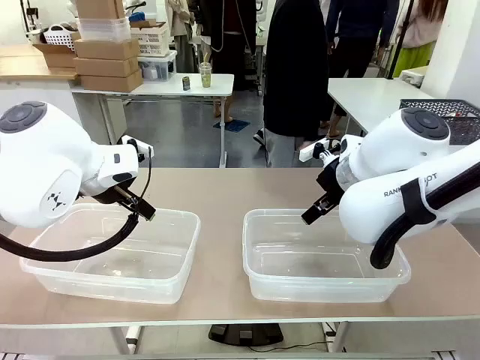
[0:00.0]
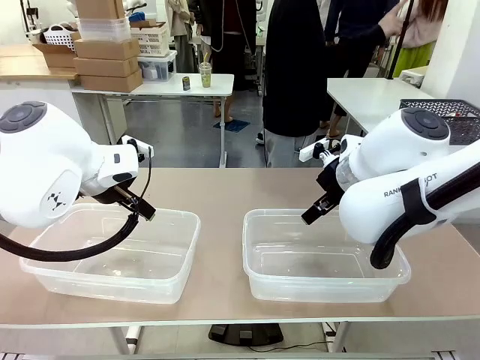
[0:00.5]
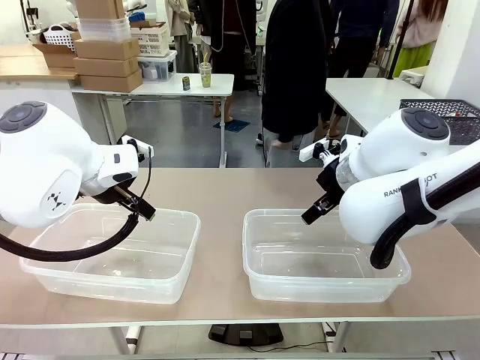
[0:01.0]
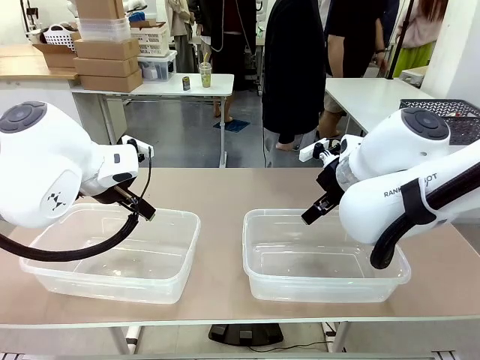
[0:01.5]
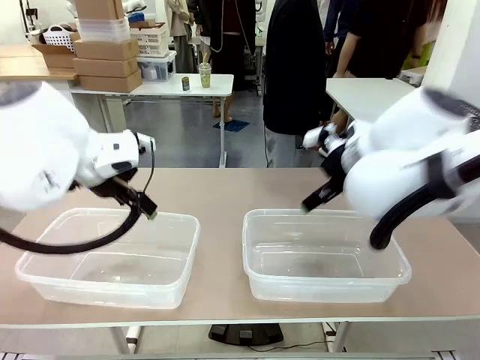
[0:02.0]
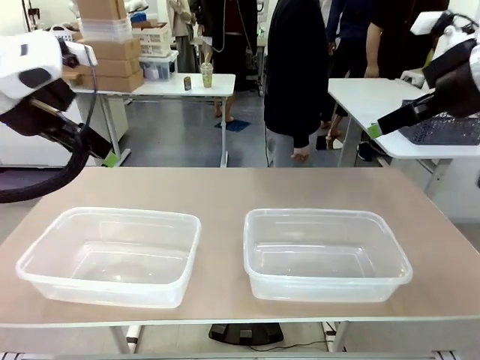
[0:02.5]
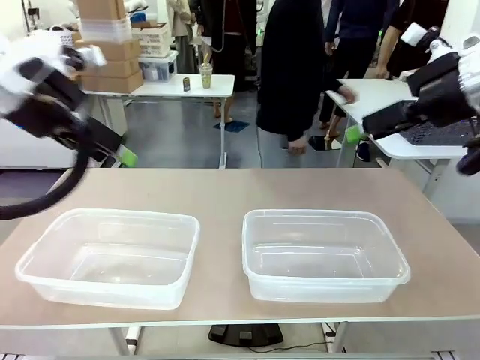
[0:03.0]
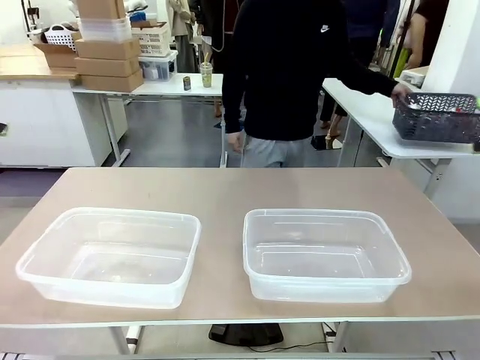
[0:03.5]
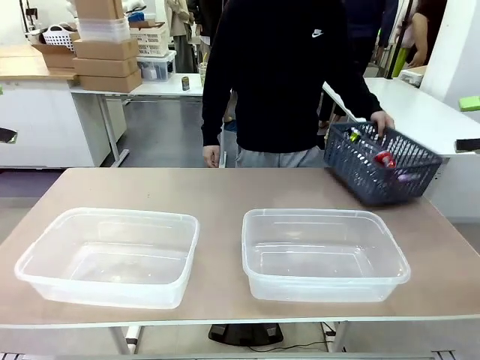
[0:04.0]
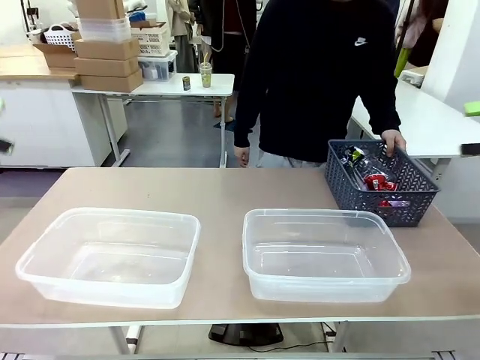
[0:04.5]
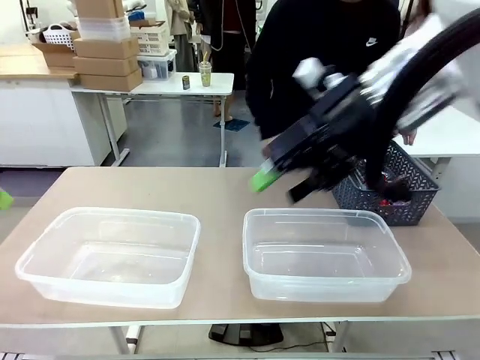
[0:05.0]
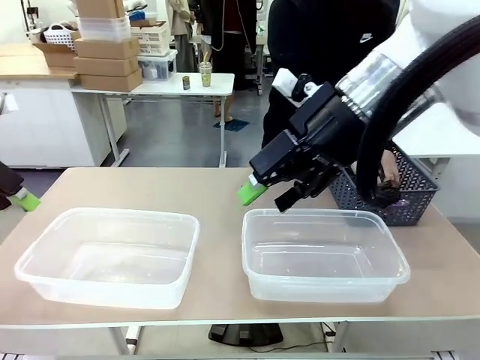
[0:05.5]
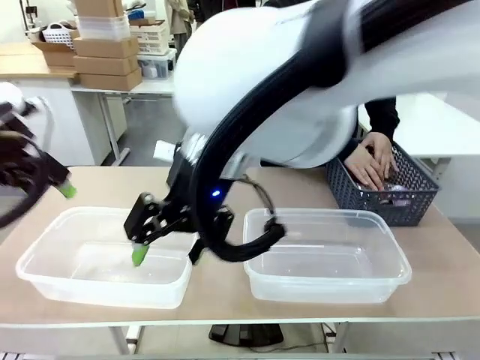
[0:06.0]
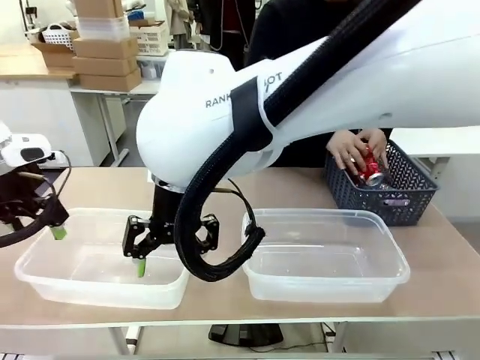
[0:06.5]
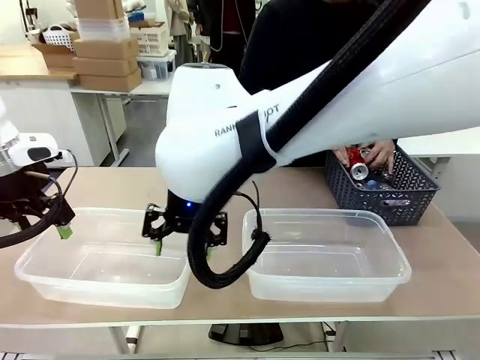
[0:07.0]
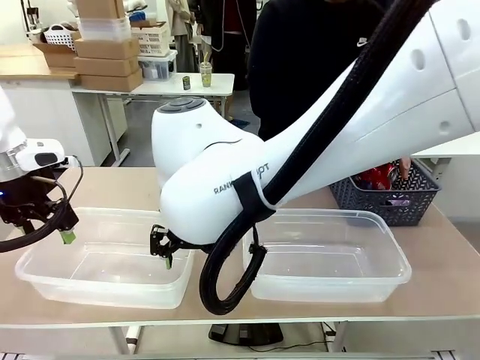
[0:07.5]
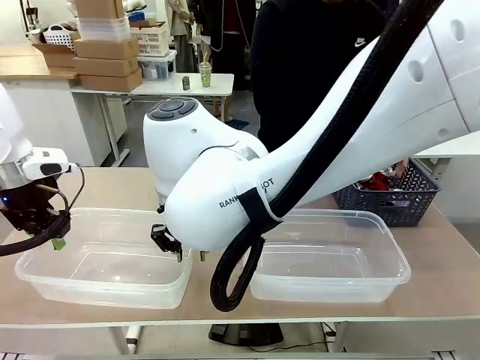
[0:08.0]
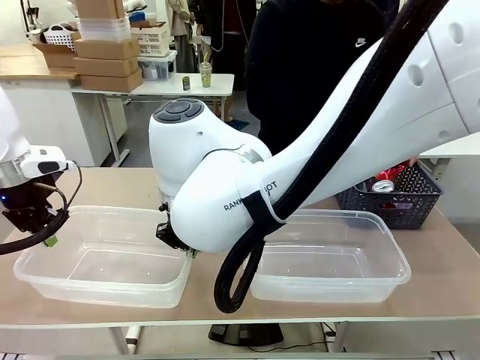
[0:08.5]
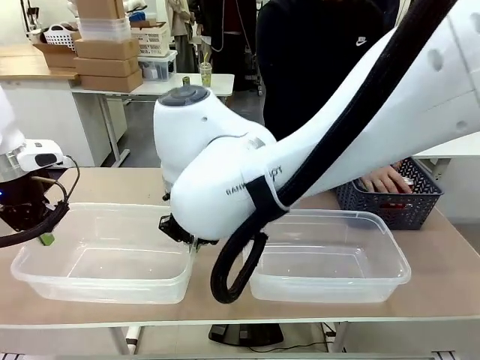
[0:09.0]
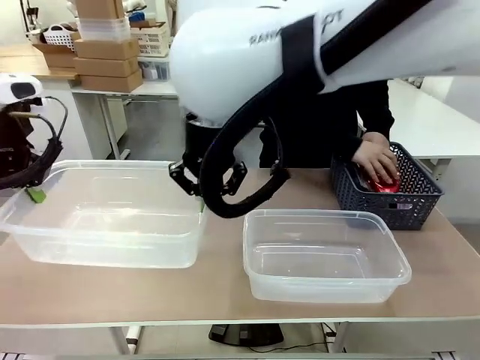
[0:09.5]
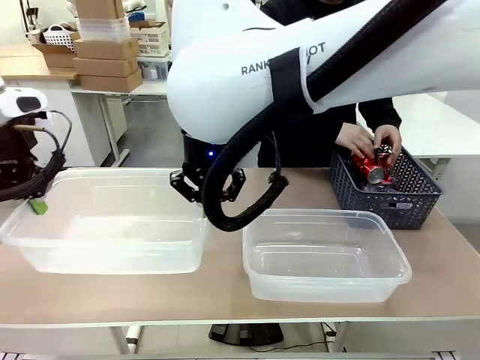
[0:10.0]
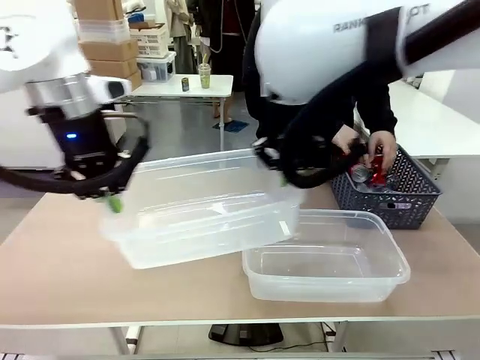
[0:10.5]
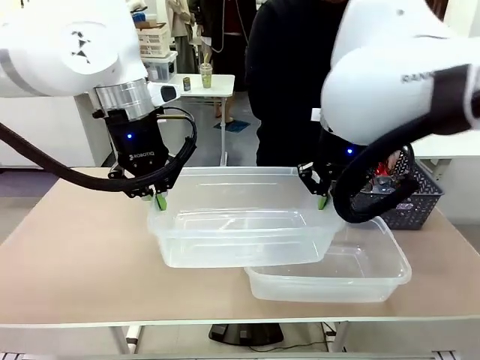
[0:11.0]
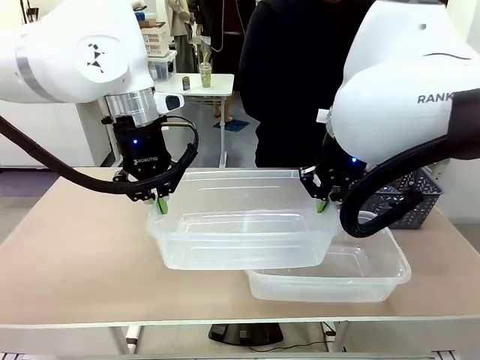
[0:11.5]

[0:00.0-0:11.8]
Robot: Pick up the Organizing box on the left side of the table and lift it.
Person: Pick up the storage basket and place it on the left side of the robot table. Pick up can-shaped waste one by one and place it into the organizing box lifted by the robot.

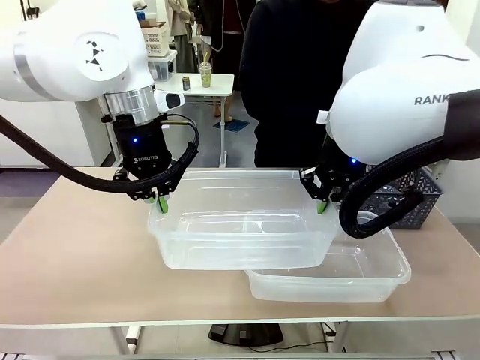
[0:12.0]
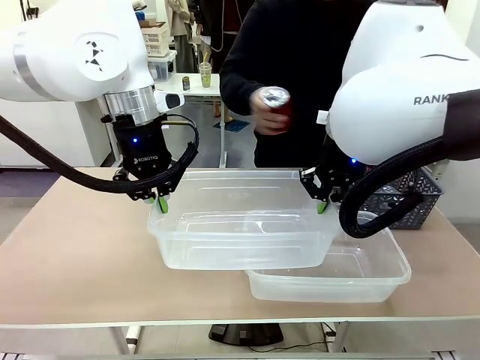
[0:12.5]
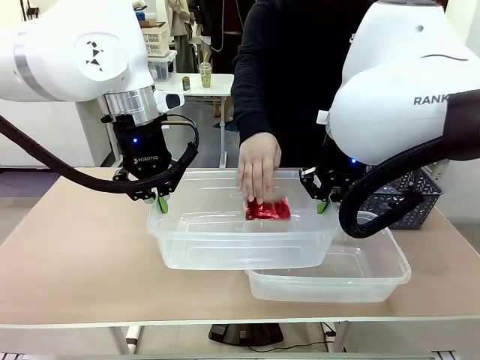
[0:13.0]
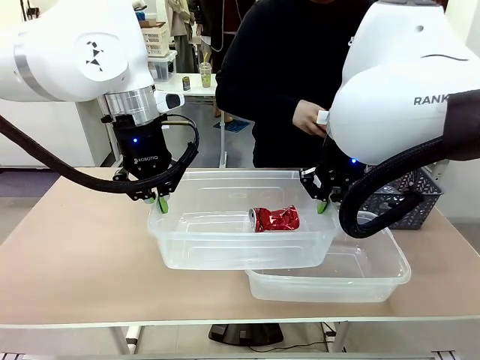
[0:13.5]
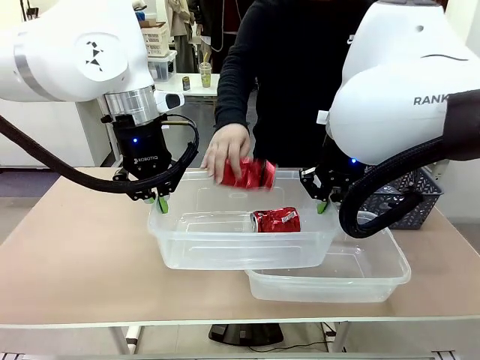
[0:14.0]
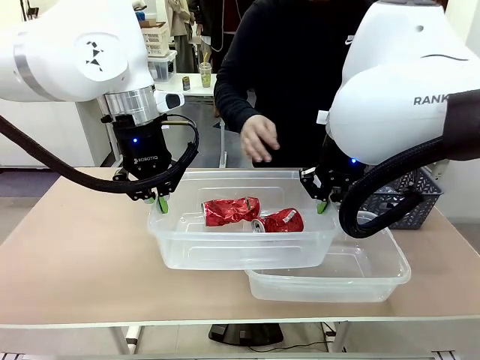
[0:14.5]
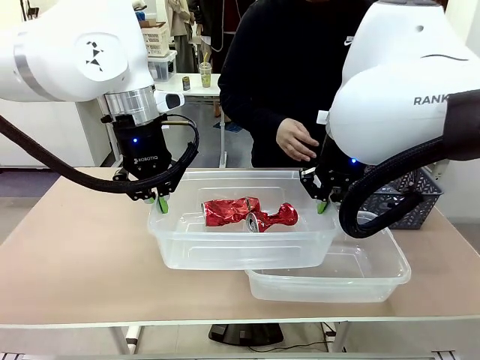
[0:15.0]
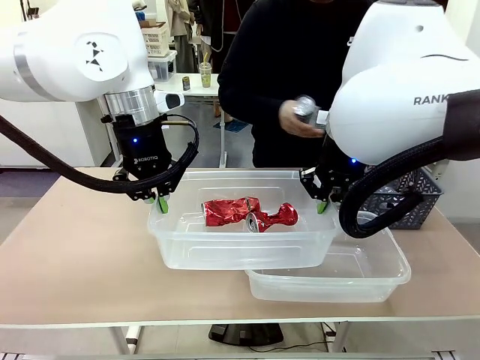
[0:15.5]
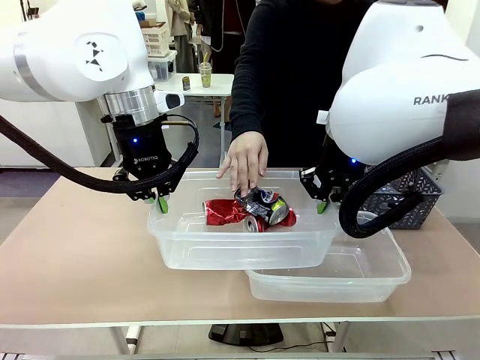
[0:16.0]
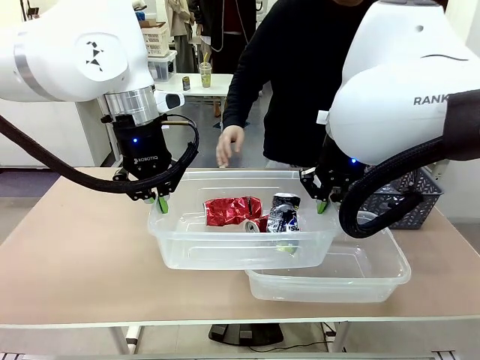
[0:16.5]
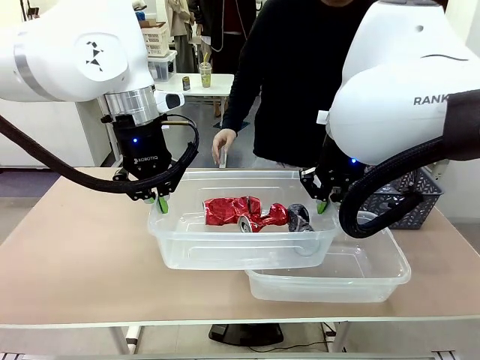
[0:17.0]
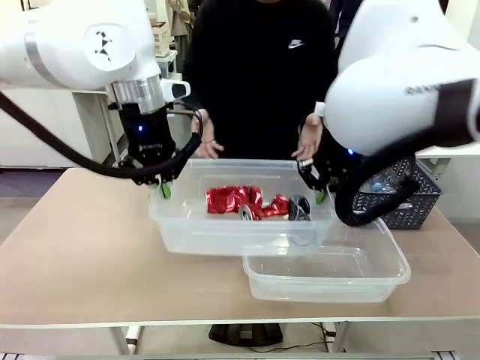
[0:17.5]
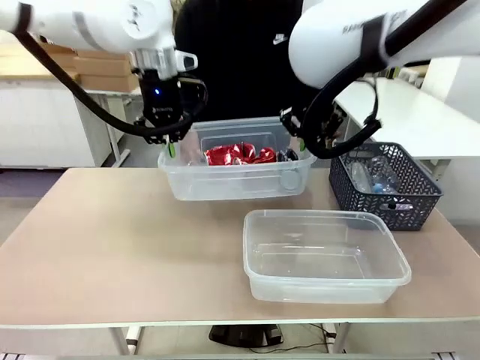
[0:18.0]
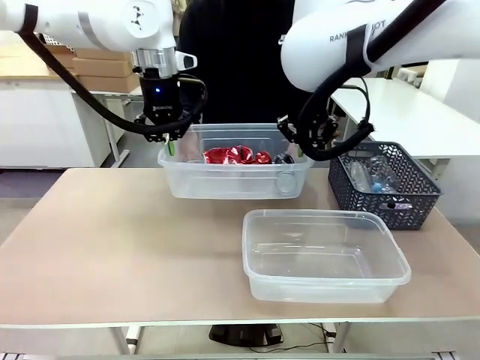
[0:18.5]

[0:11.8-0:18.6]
Robot: Offer the picked Organizing box to the human.

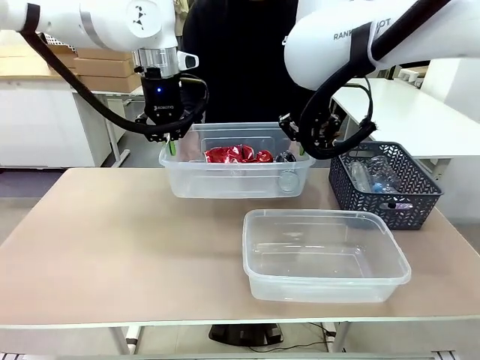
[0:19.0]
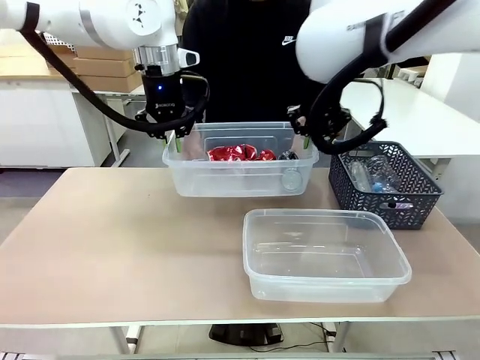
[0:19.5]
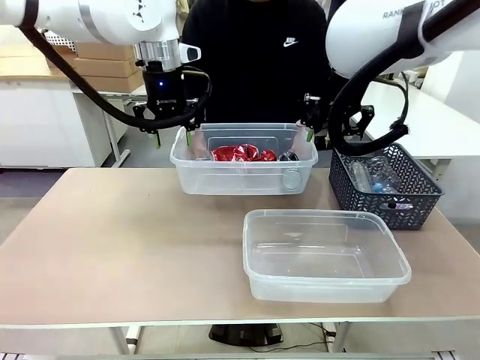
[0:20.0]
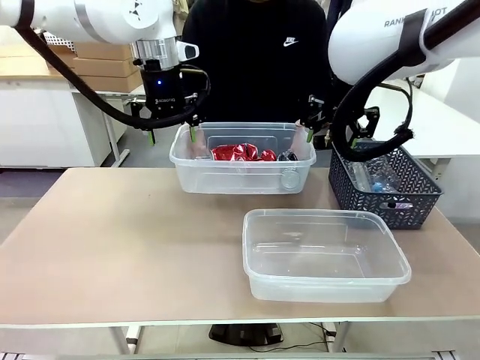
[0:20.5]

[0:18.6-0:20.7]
Robot: Release the Organizing box you were holding.

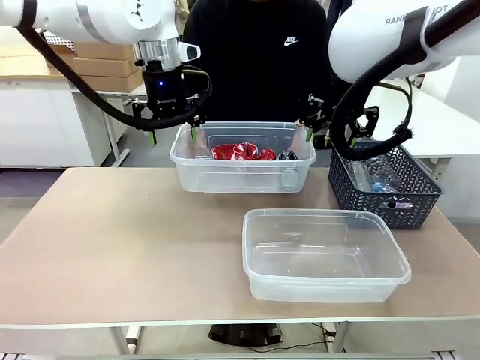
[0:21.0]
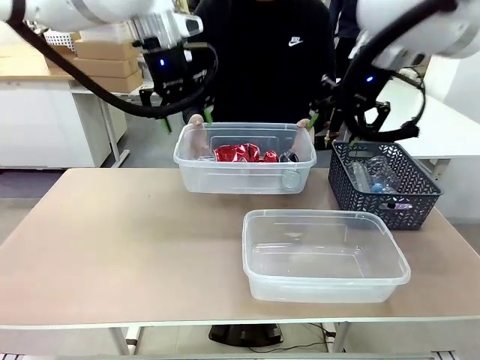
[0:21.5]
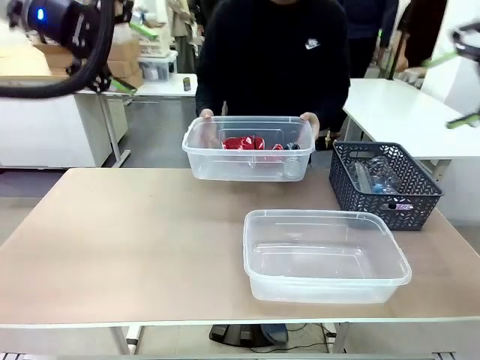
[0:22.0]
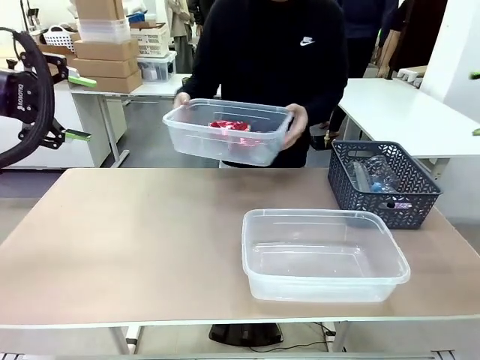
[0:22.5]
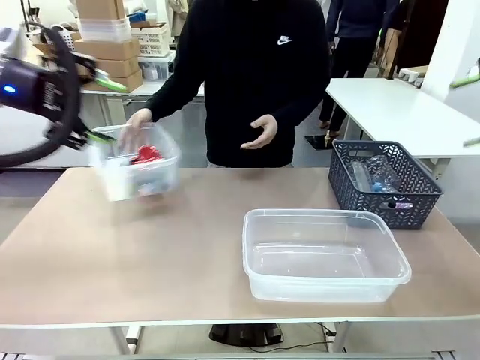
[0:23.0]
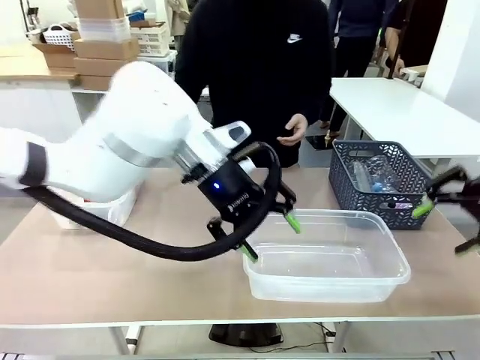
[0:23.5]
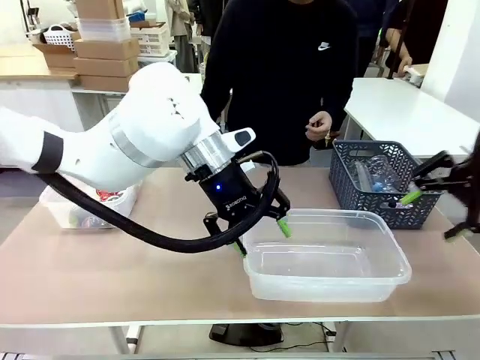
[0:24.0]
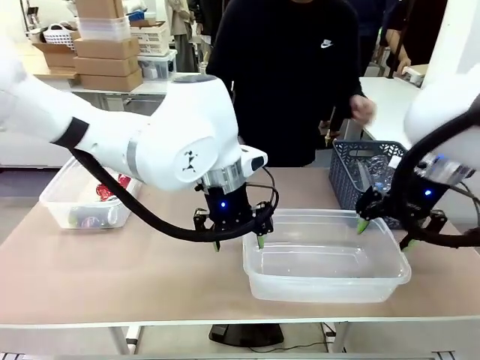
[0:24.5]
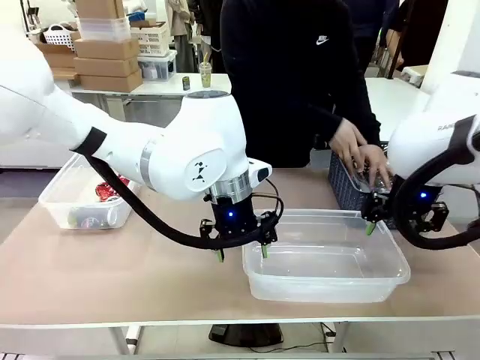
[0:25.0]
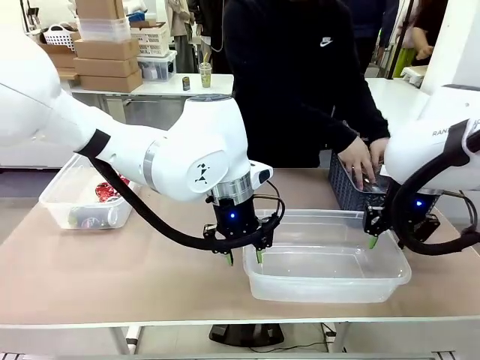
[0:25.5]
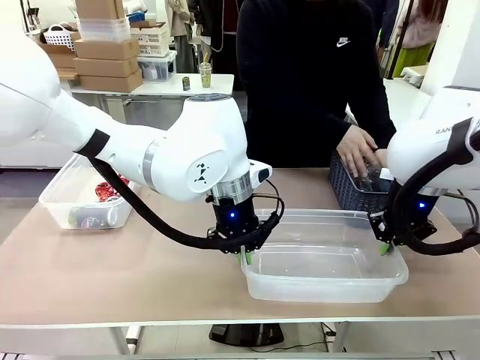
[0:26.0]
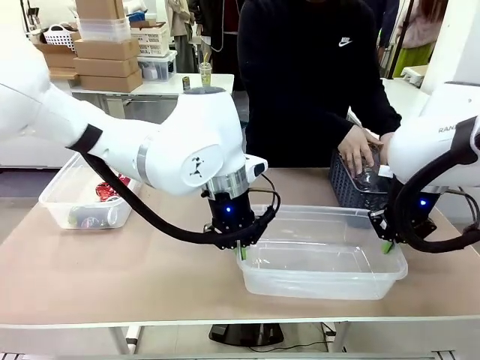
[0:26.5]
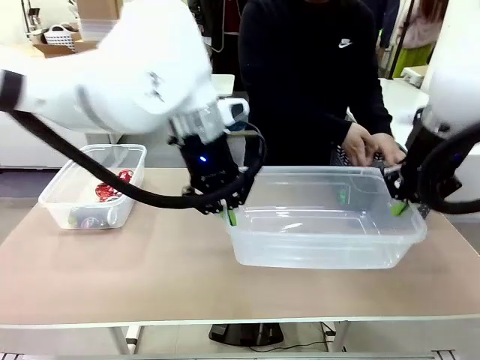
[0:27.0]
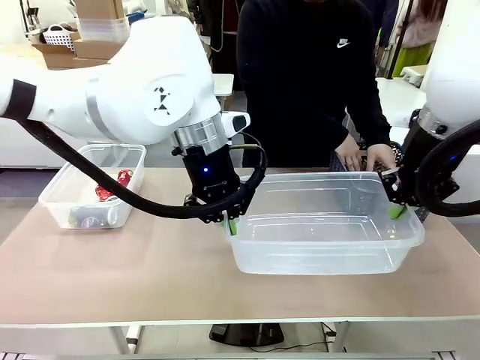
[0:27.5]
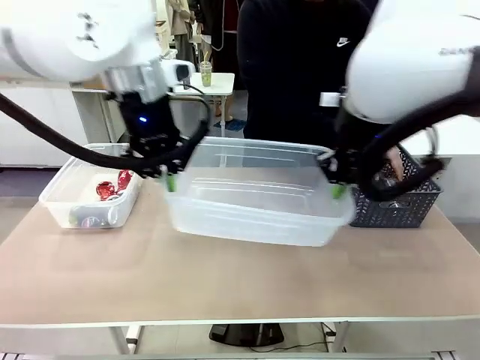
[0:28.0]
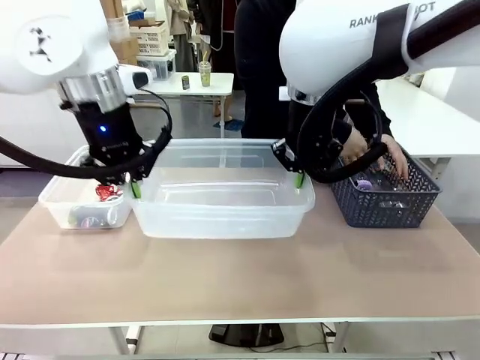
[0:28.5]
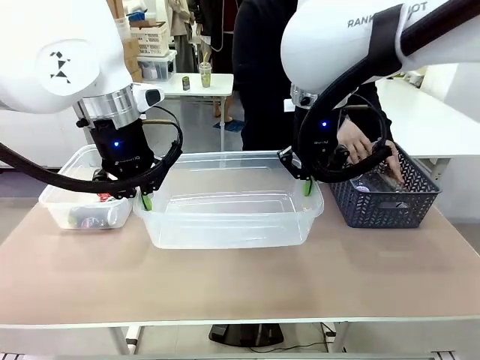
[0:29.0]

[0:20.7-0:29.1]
Robot: Pick up the Organizing box on the right side of the table and lift it.
Person: Place it at the edge of the bottom right area of the robot table. Pick up plastic waste one by one and place it into the organizing box lifted by the robot.
